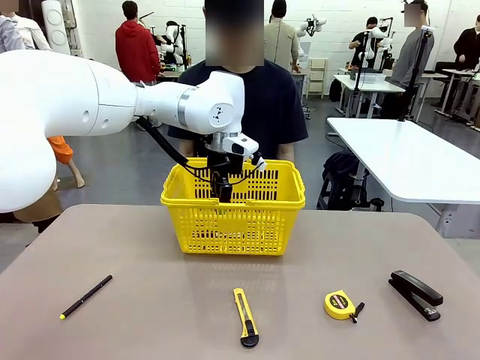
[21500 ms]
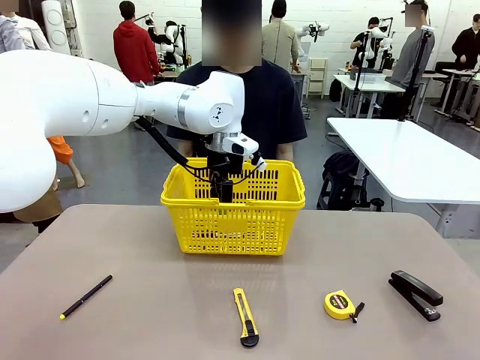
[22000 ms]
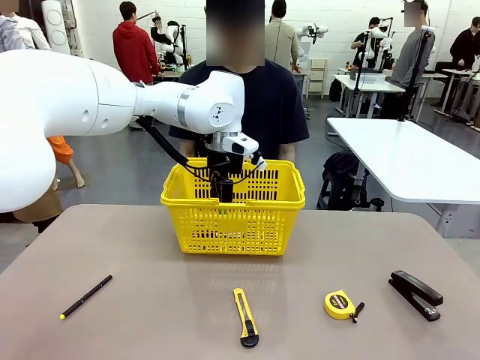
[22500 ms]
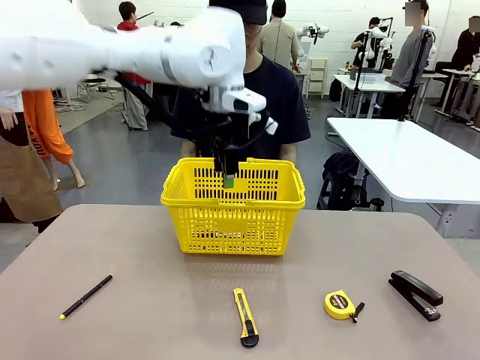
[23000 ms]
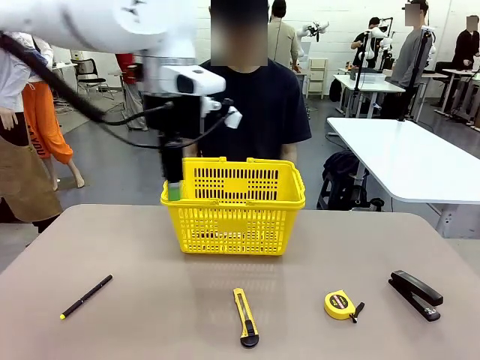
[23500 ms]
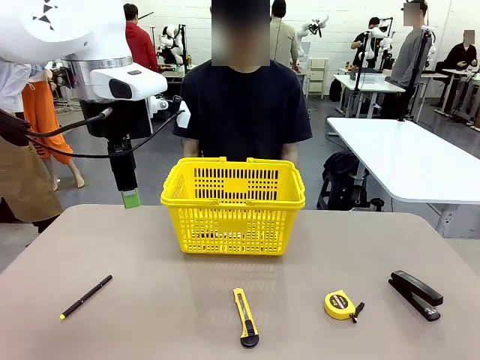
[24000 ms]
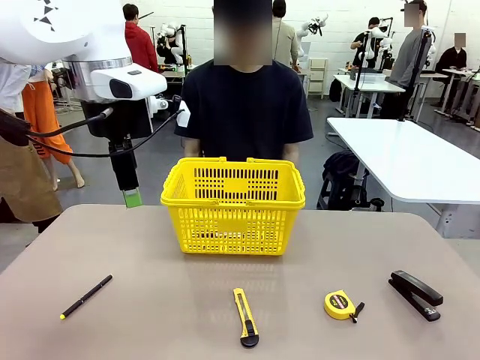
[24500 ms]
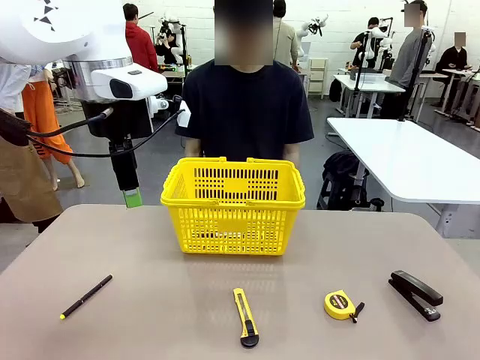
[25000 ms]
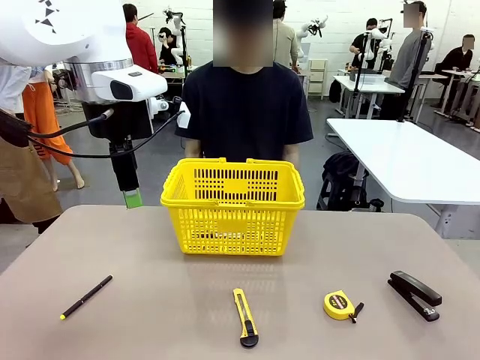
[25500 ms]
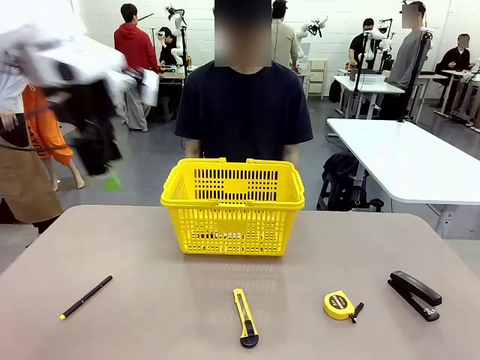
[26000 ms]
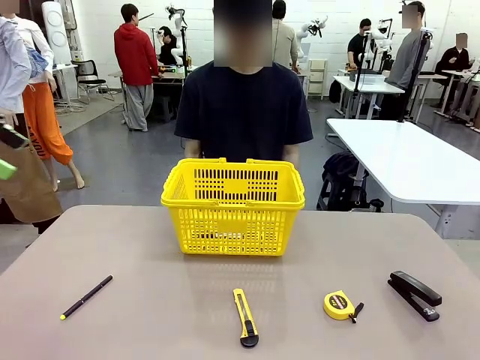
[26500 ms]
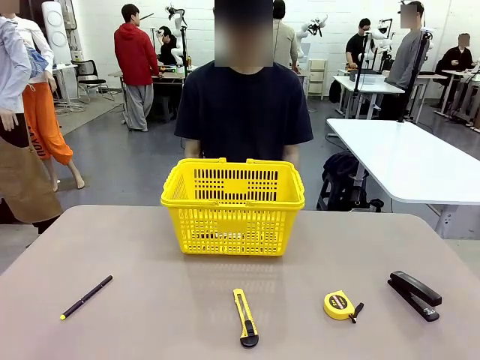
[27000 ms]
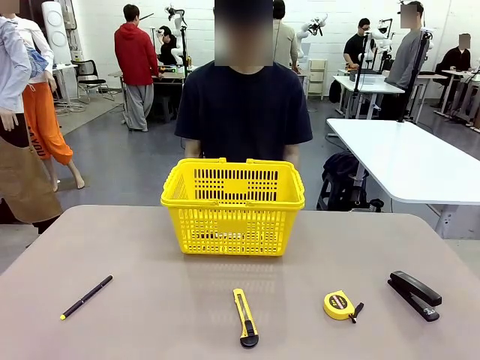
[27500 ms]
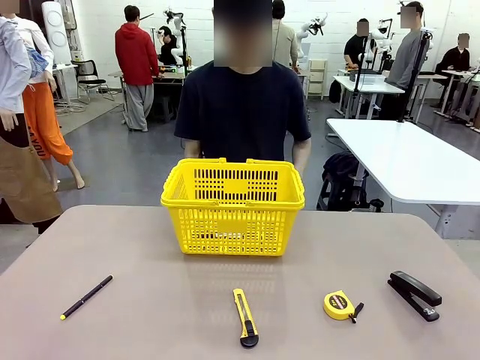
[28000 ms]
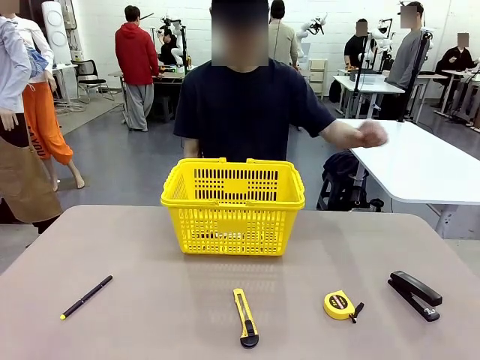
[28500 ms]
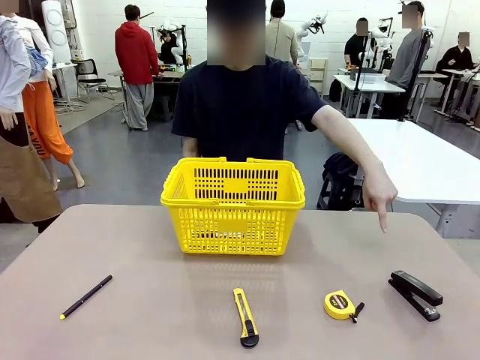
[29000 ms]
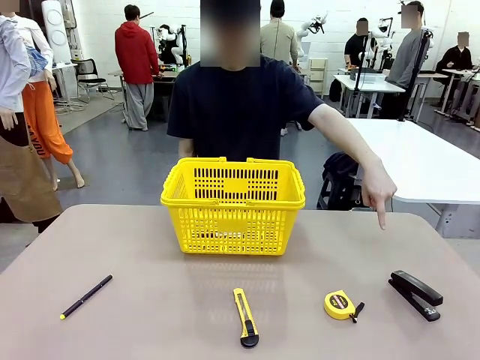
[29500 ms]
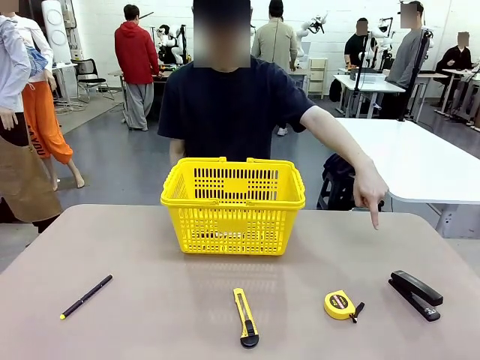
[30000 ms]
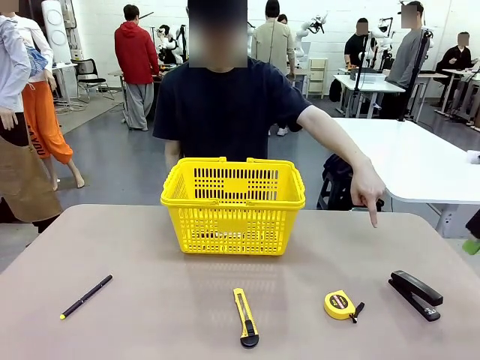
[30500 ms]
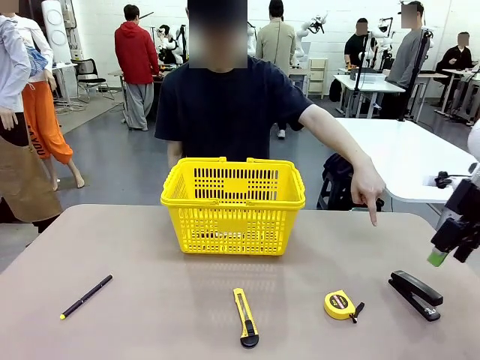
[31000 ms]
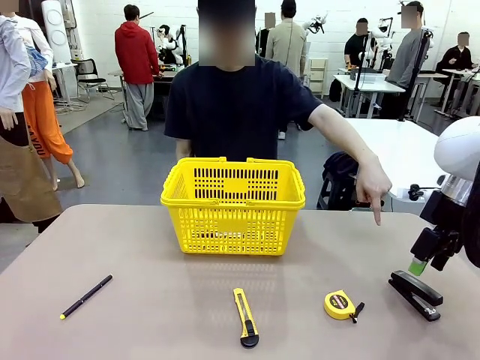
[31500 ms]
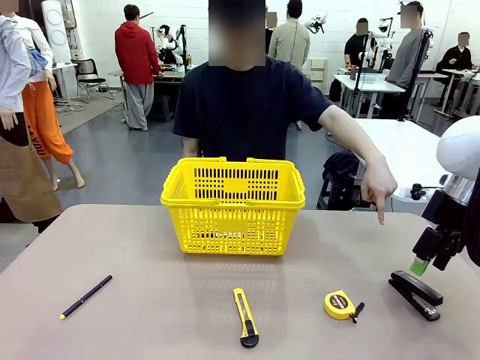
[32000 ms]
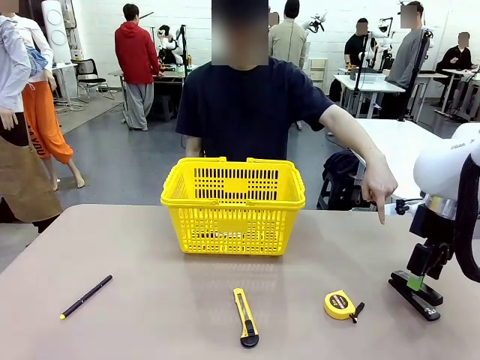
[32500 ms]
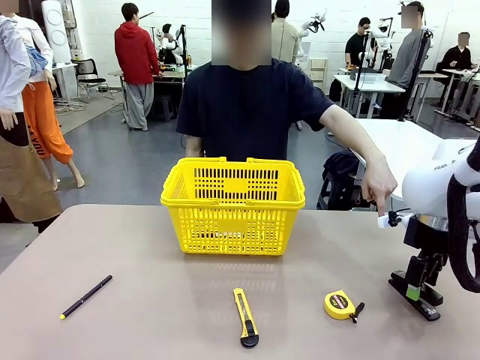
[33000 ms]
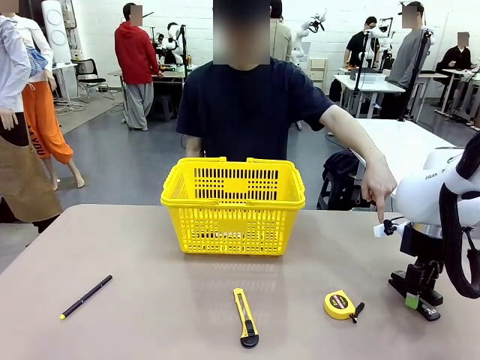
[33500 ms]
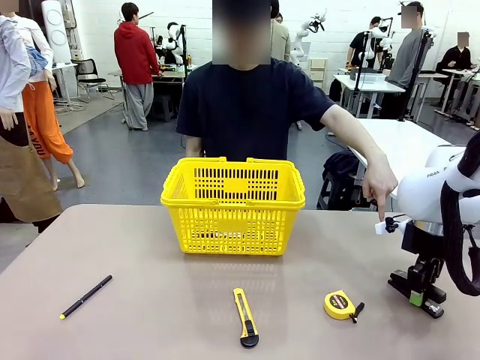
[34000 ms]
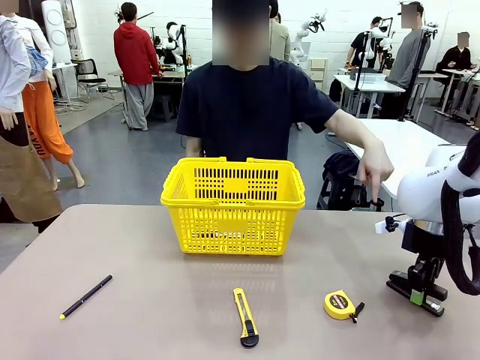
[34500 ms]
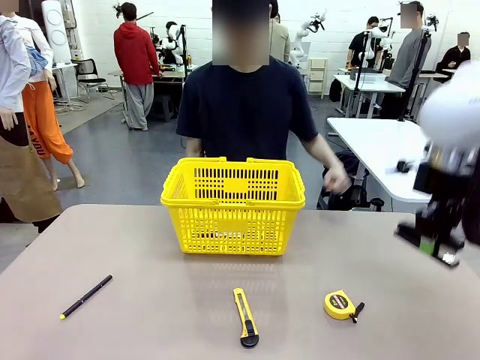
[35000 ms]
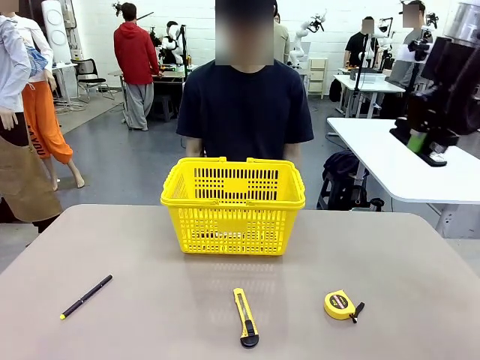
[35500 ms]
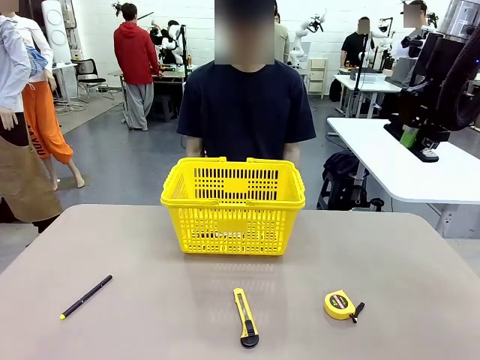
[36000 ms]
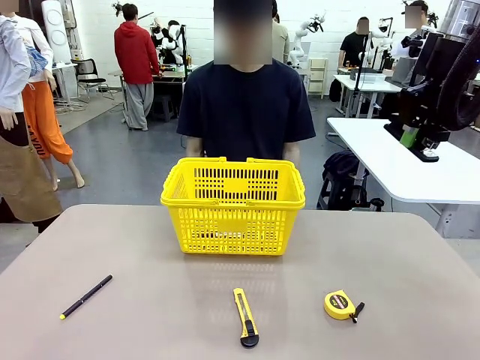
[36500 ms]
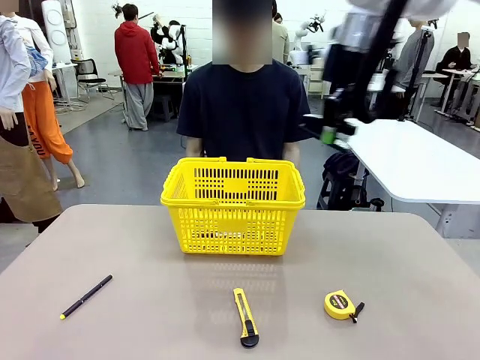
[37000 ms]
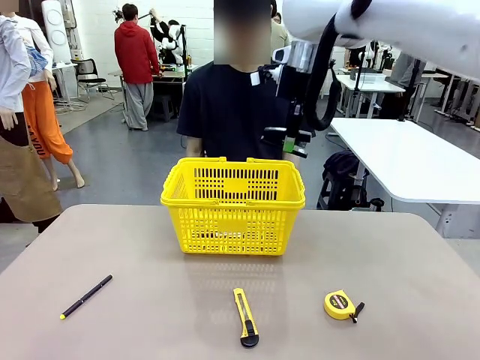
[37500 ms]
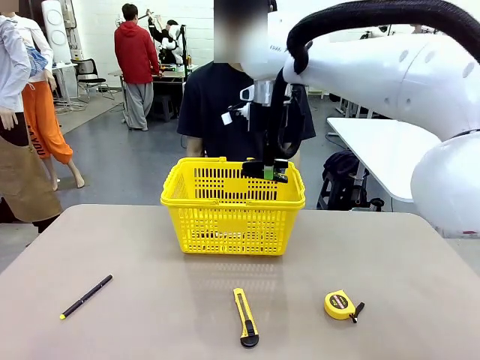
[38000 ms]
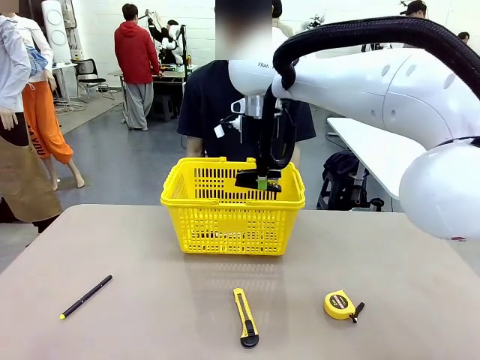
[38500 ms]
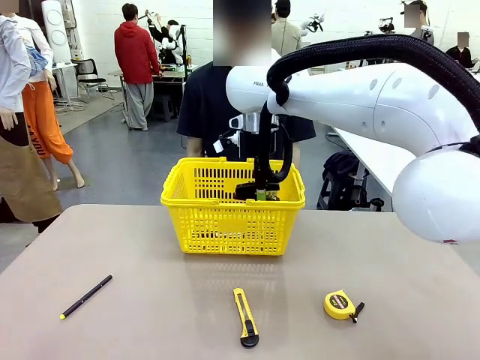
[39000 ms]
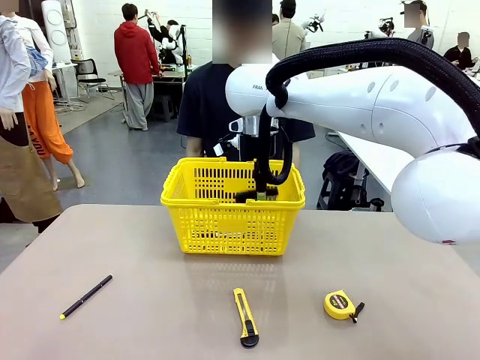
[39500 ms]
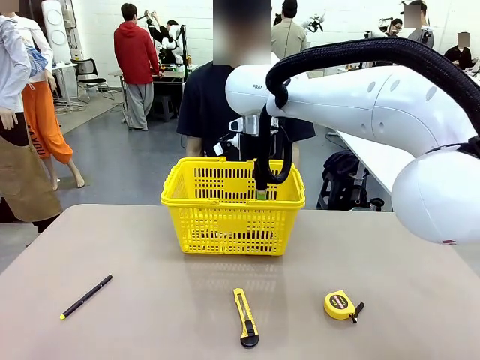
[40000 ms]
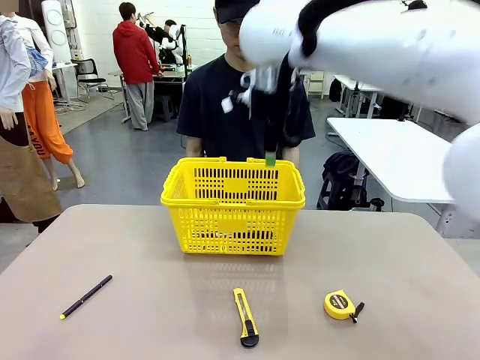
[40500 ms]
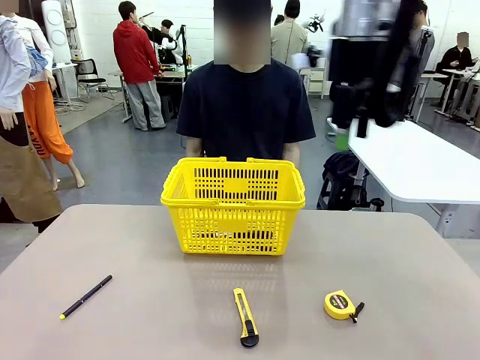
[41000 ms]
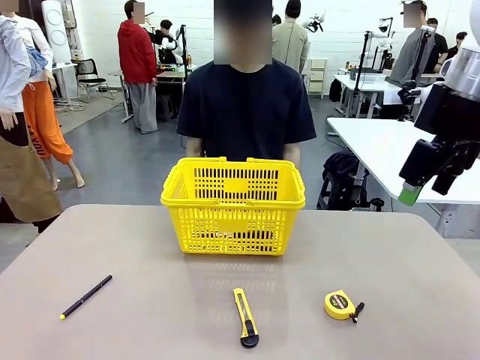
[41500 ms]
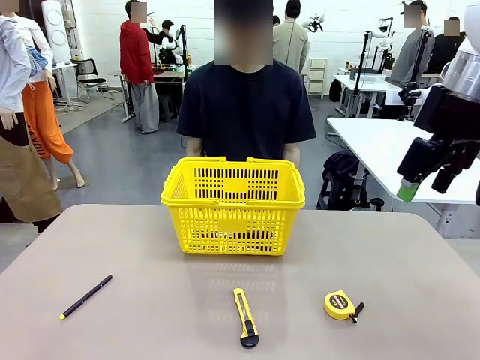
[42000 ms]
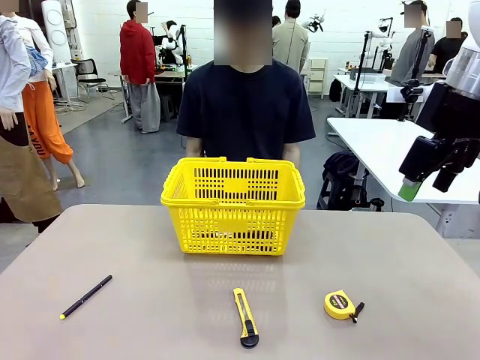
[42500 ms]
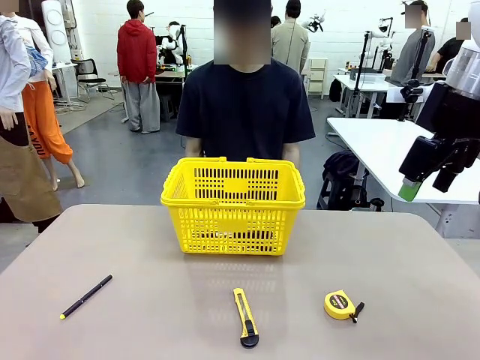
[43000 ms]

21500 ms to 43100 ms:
Task: Place the items the person wants into the basket.
Robot: Pick up the item the person points to and place it in the Market Basket.

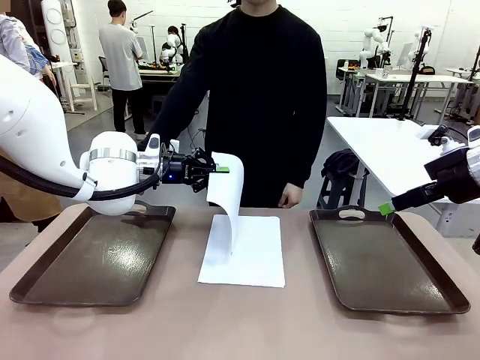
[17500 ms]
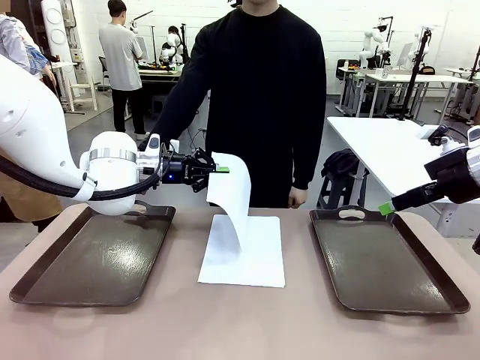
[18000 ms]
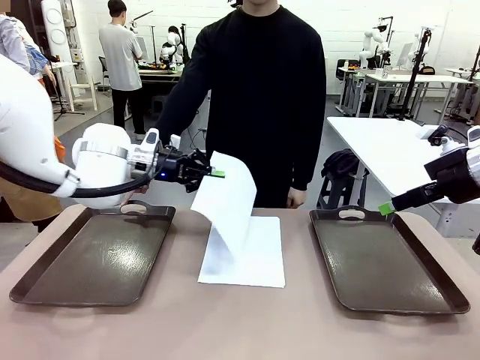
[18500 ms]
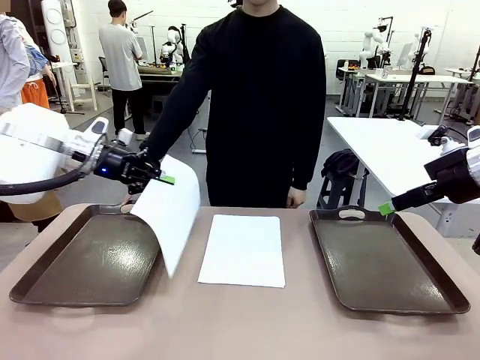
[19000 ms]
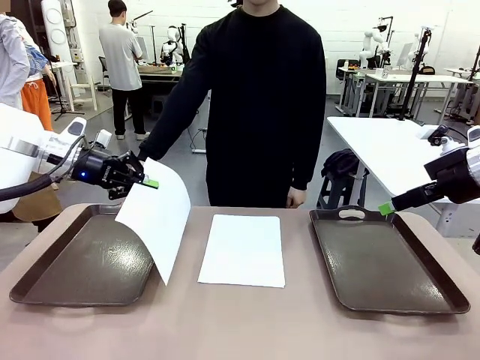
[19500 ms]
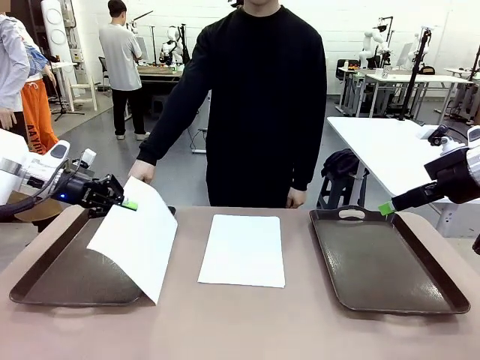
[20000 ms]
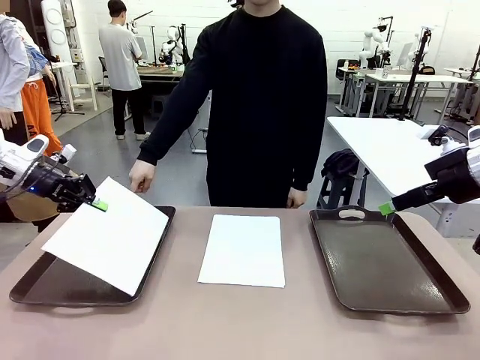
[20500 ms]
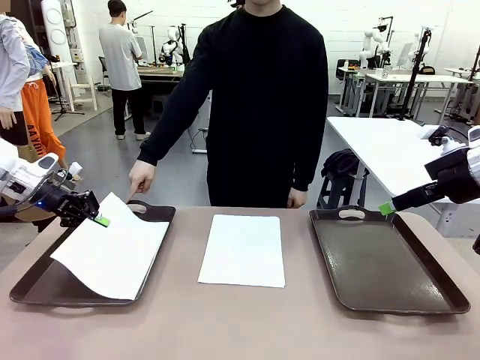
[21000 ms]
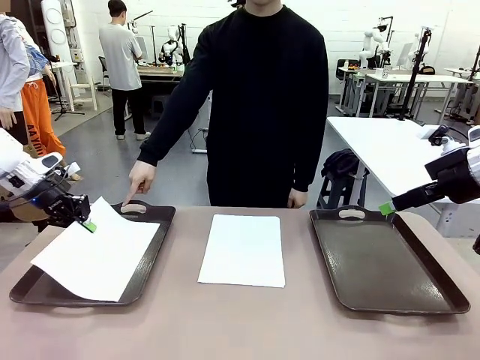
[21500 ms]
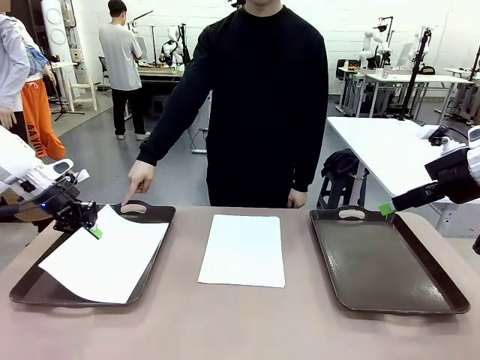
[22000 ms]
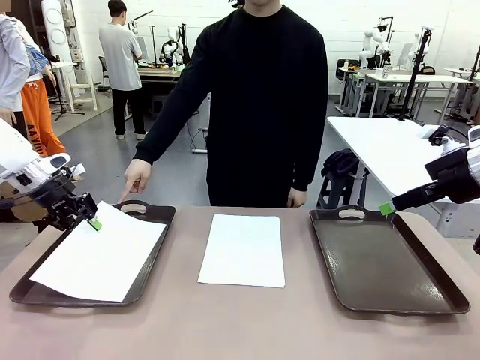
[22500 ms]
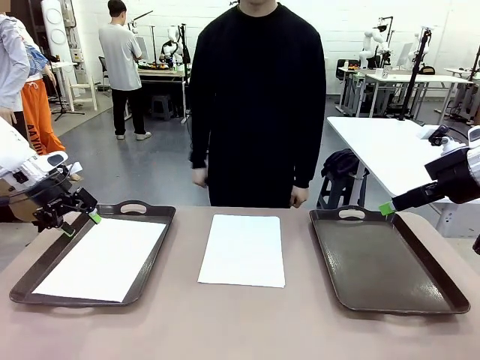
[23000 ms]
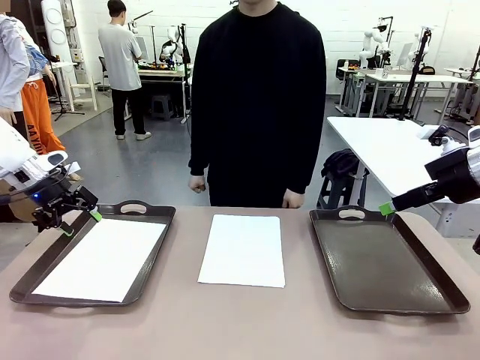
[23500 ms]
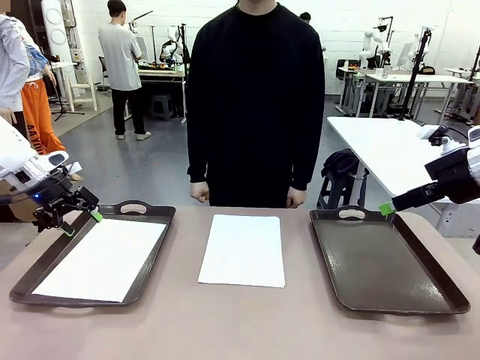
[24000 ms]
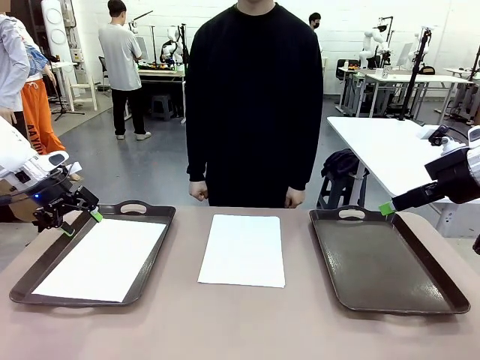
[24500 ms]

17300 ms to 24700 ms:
Task: Sort the A4 documents.
Robot: Place the A4 Paper in the designated Handle tray.
